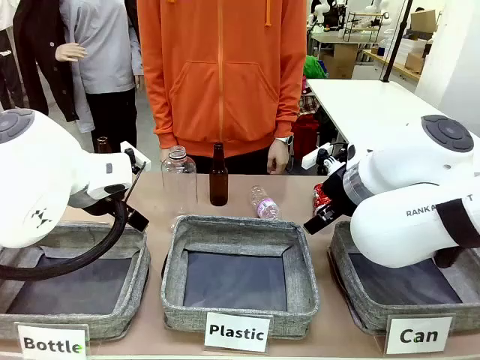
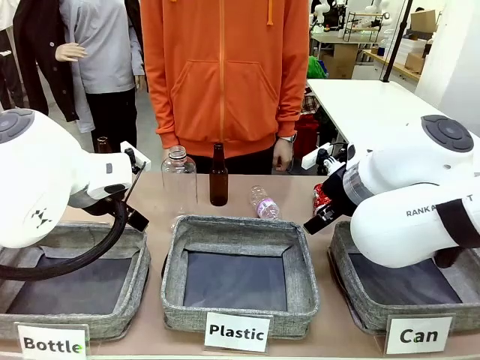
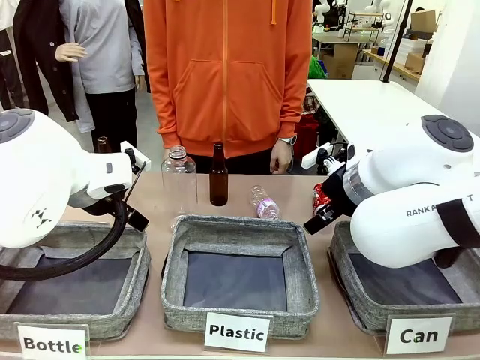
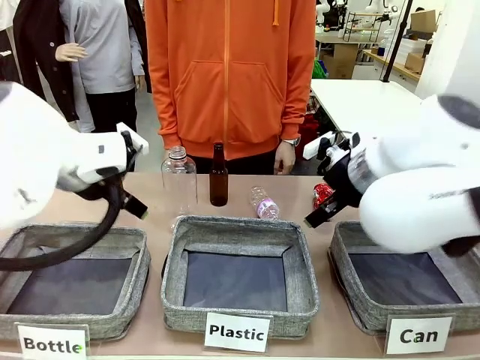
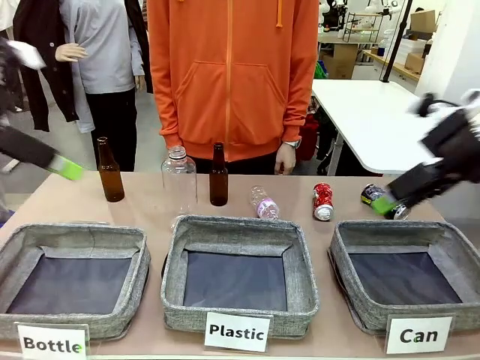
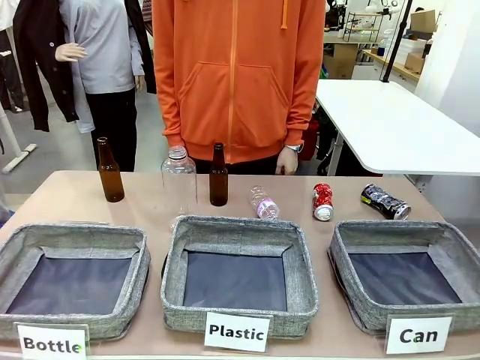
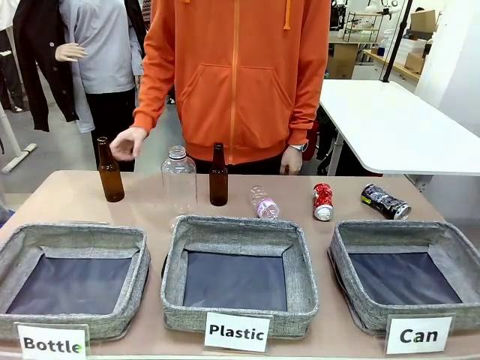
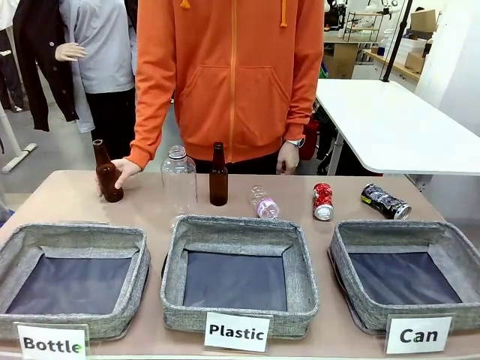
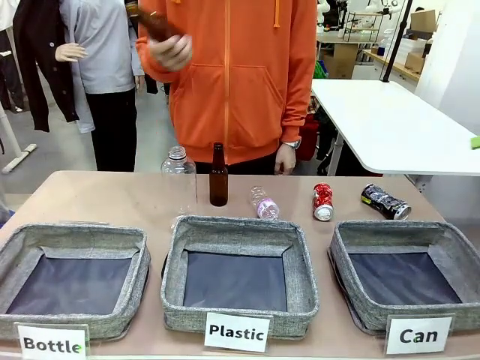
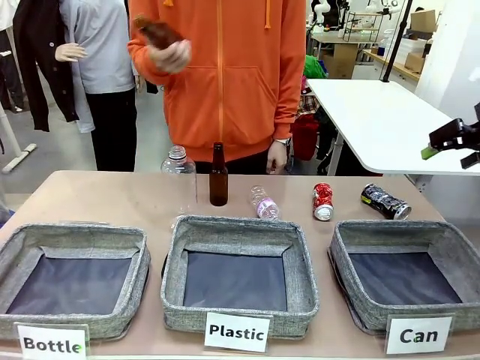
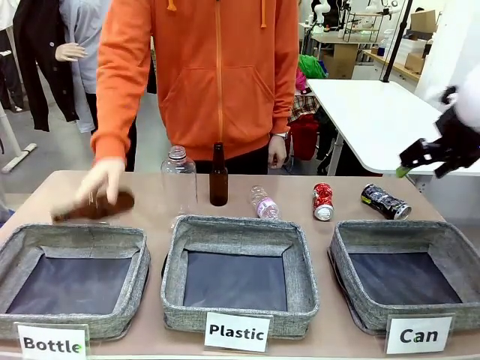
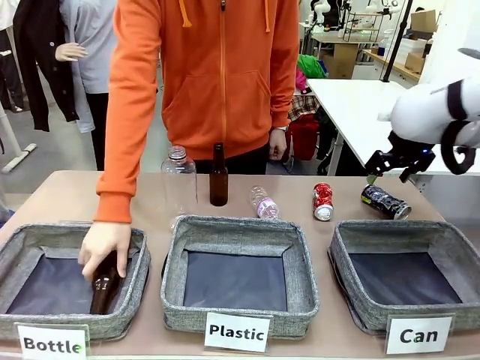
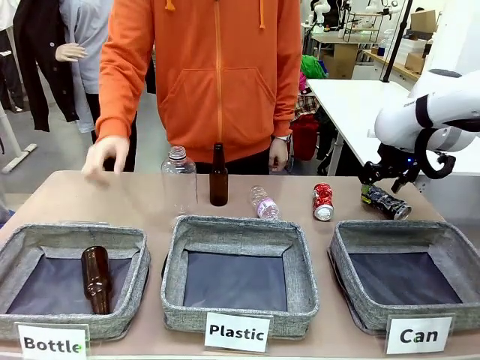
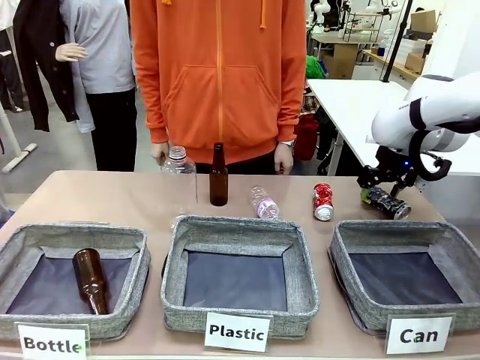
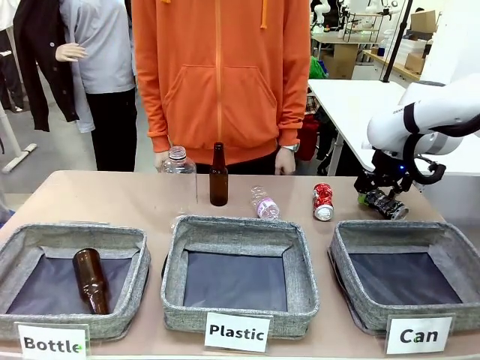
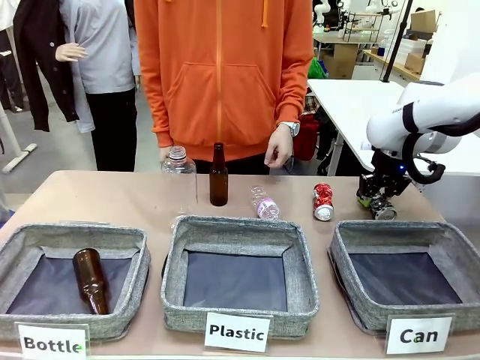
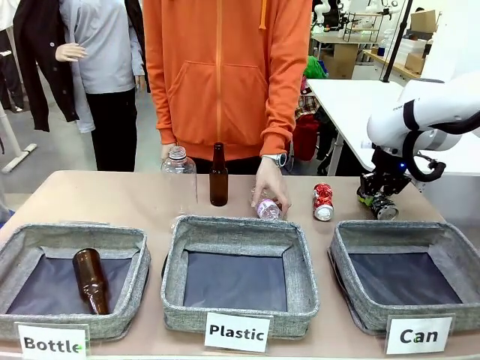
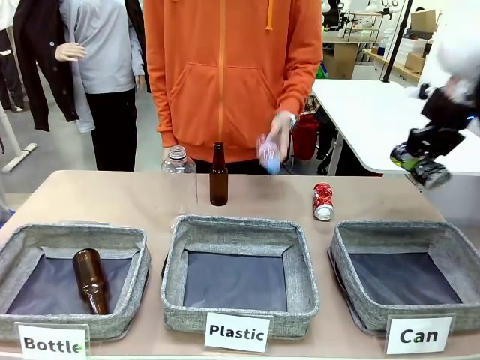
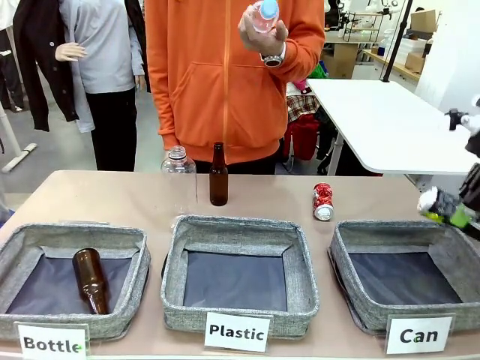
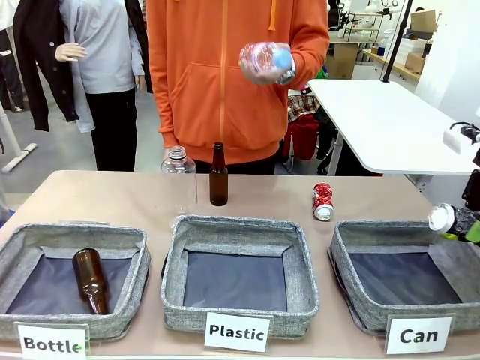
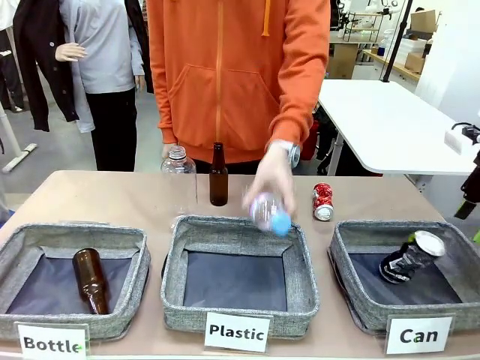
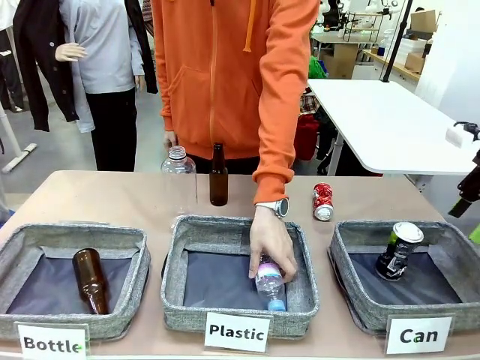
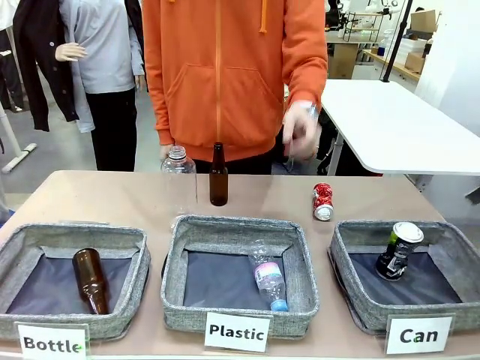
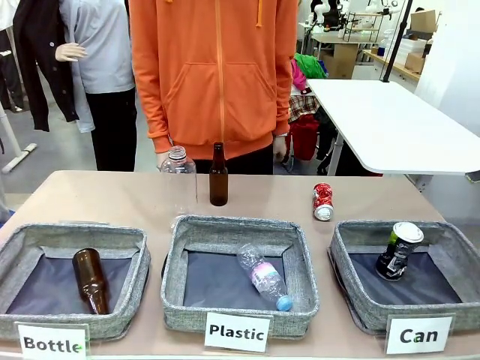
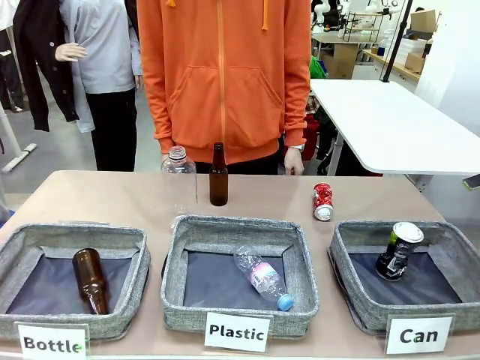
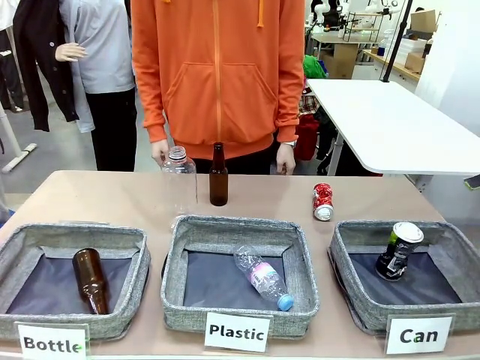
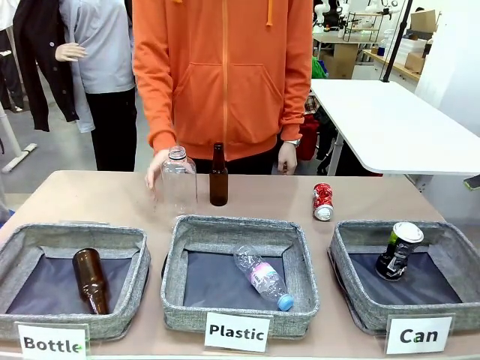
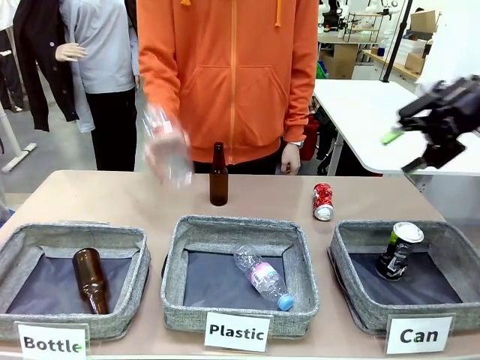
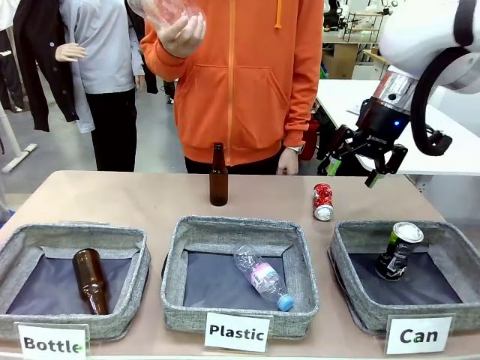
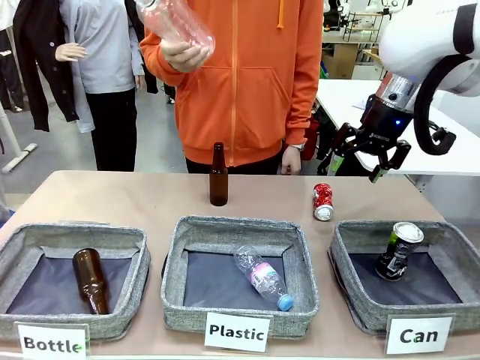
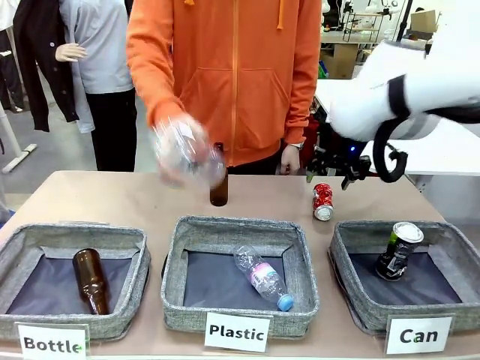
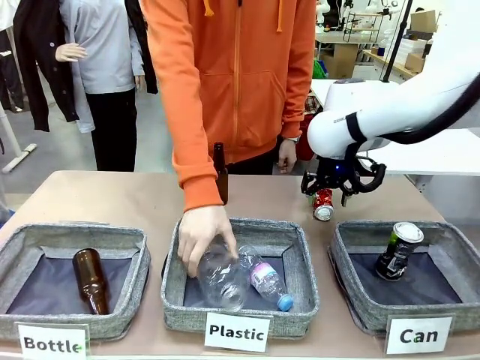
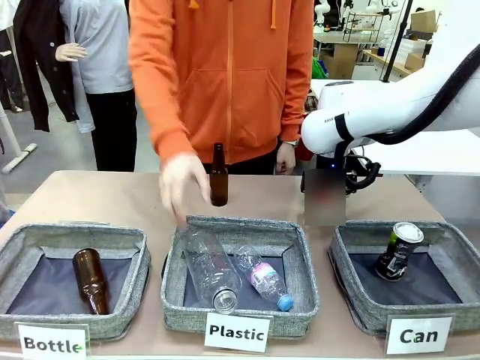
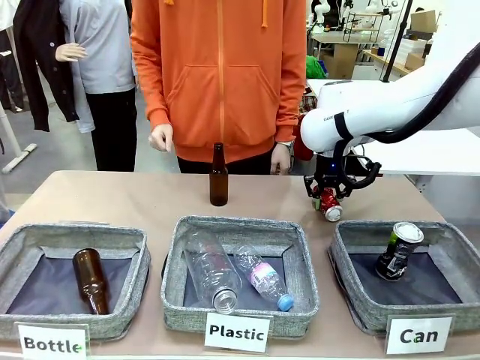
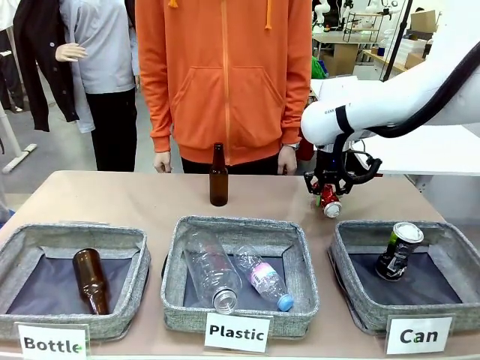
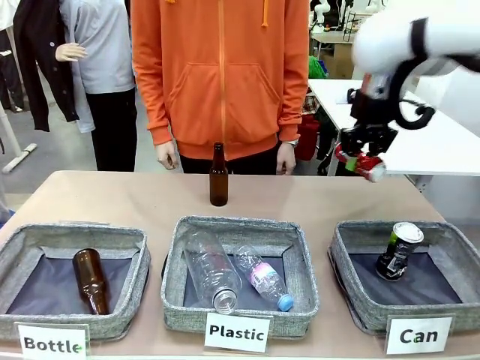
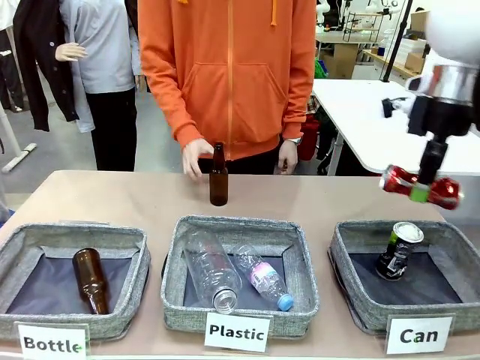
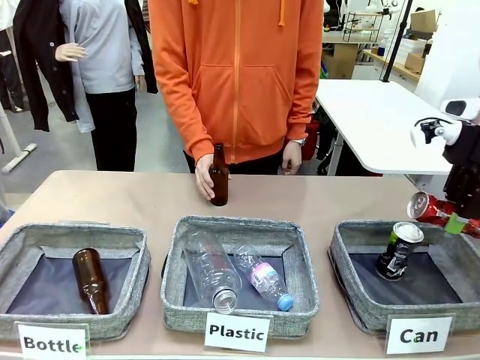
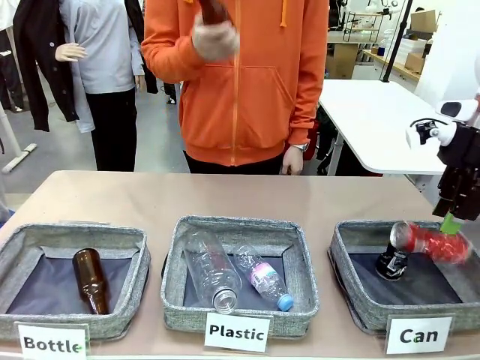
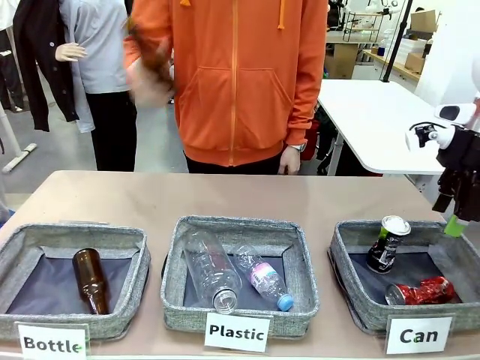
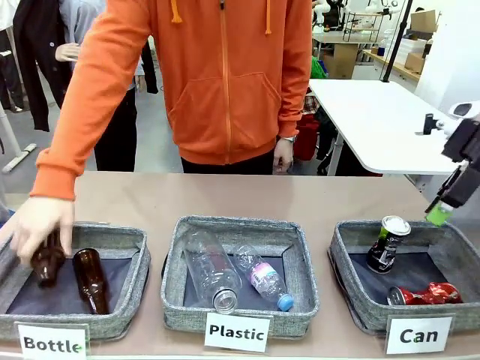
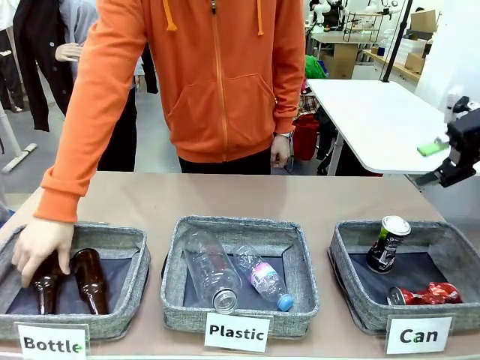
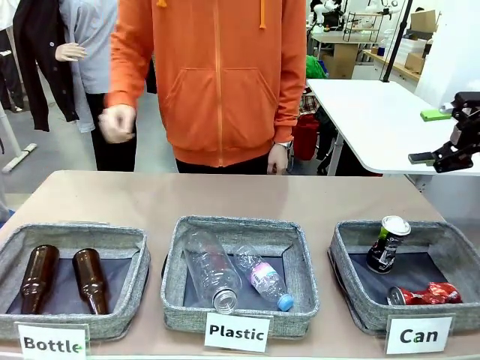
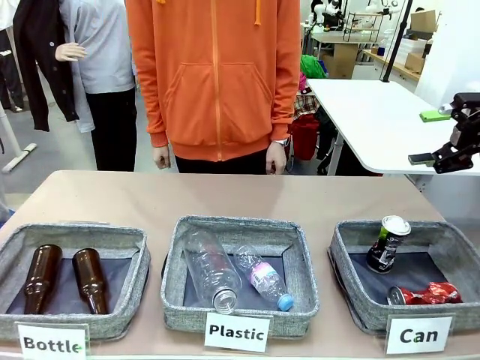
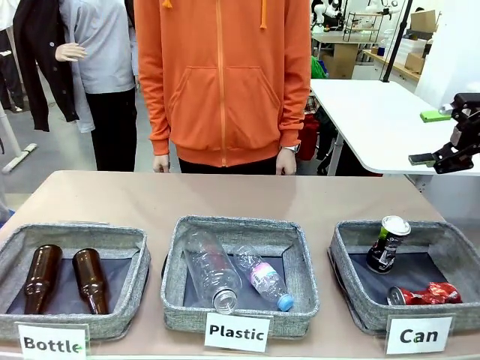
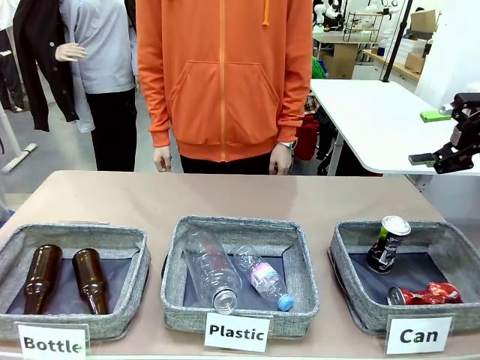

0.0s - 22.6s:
Task: Sort the can waste into the basket.
Robot: Pick up the can waste from the table and place it in the right Fabric basket.
Person: The human picks up one piece of trash that is not a can and places the trash into the appropriate organizing basket.
